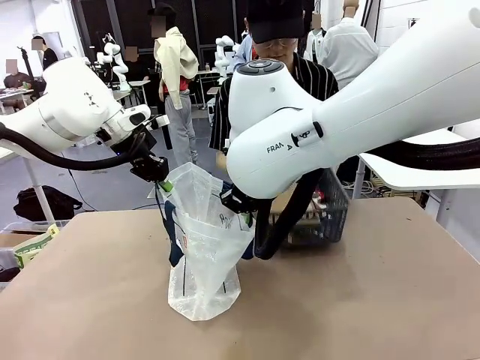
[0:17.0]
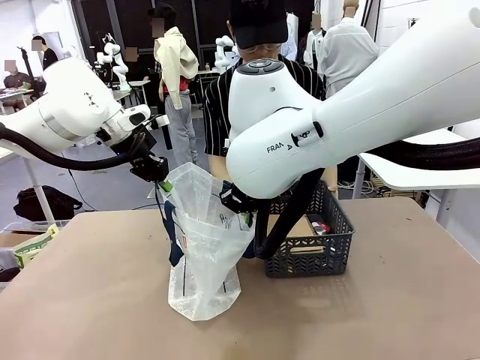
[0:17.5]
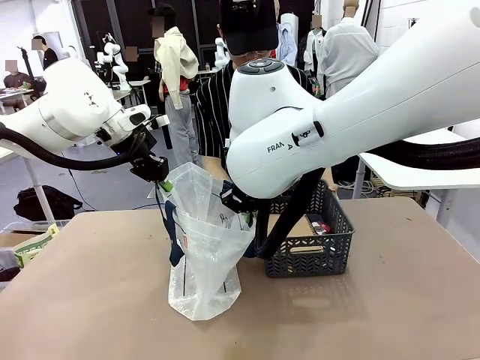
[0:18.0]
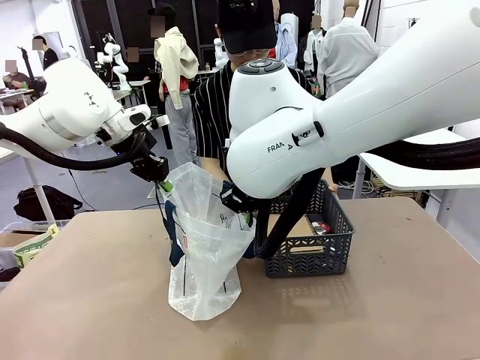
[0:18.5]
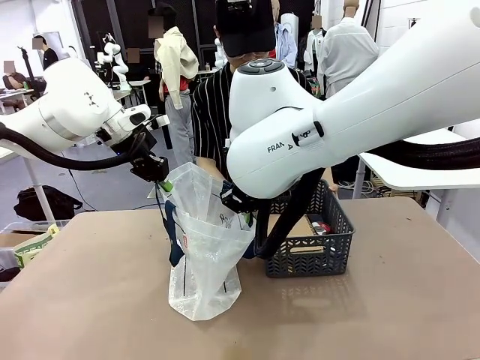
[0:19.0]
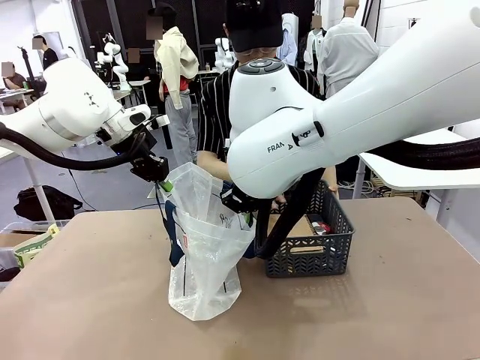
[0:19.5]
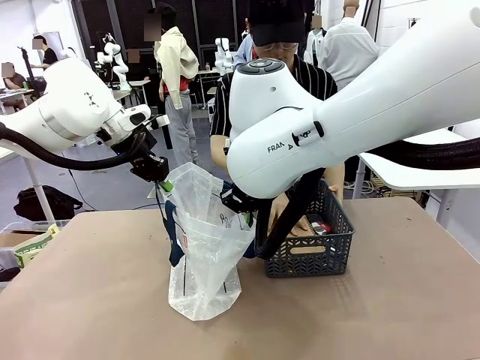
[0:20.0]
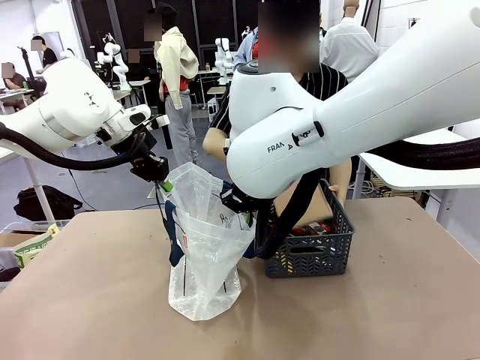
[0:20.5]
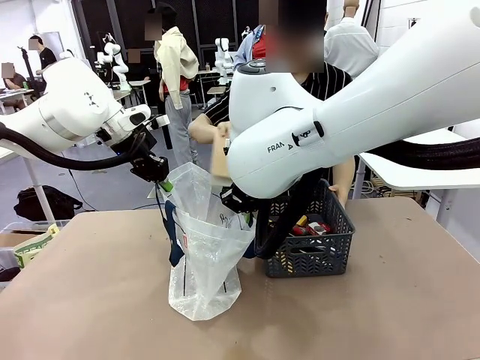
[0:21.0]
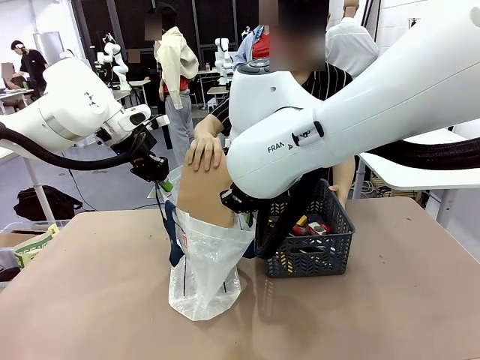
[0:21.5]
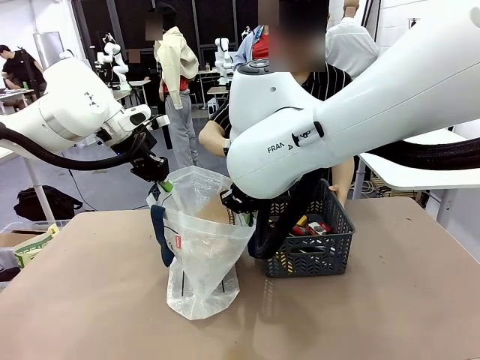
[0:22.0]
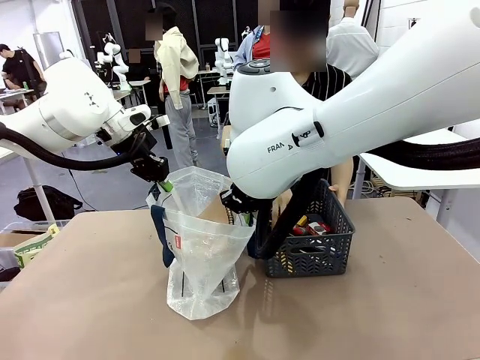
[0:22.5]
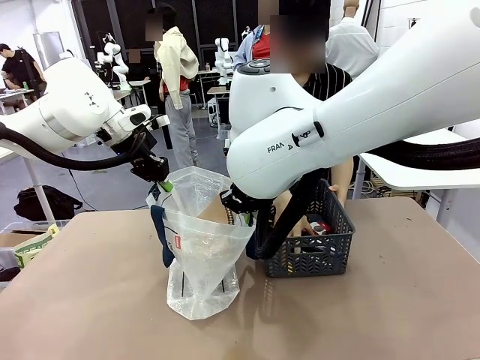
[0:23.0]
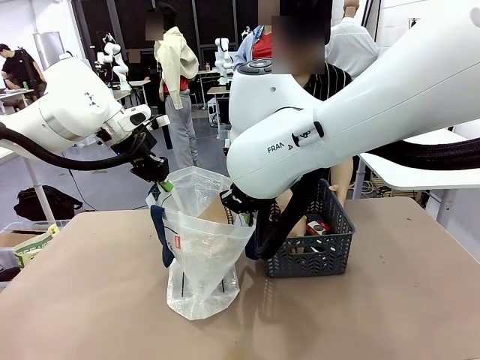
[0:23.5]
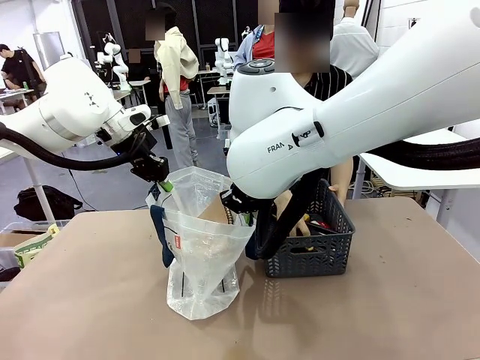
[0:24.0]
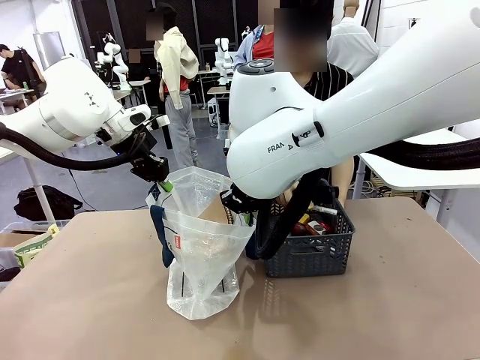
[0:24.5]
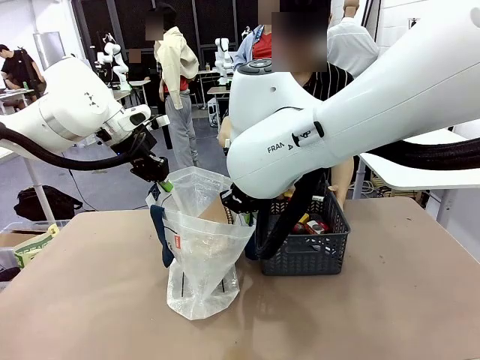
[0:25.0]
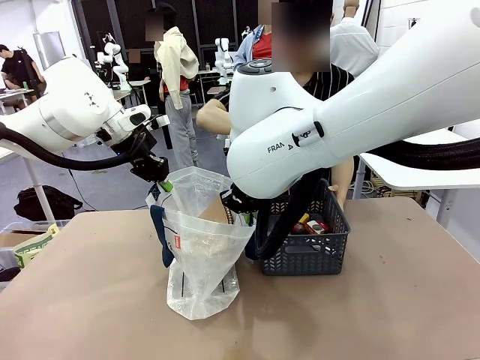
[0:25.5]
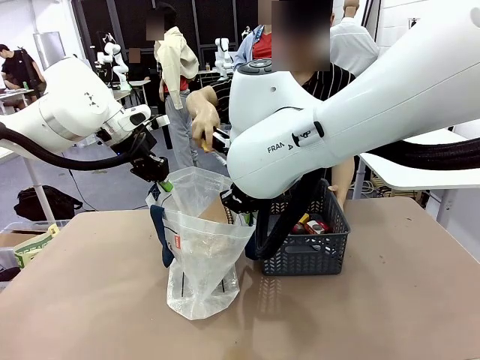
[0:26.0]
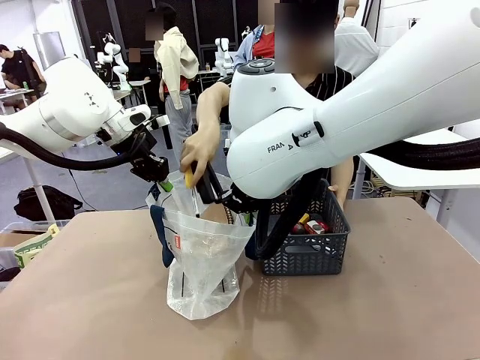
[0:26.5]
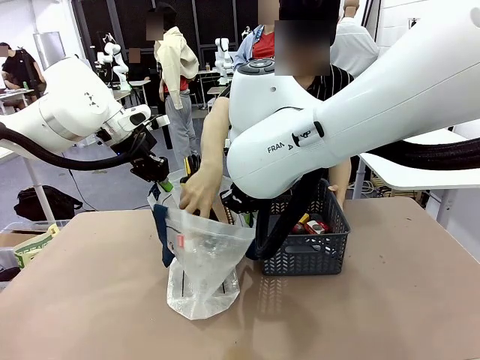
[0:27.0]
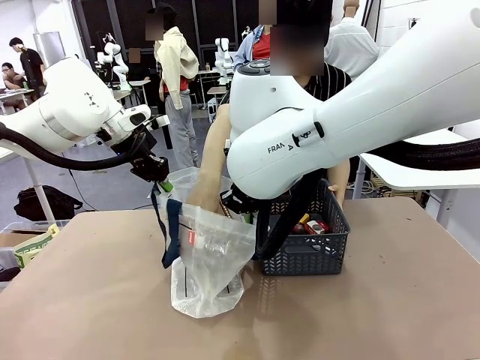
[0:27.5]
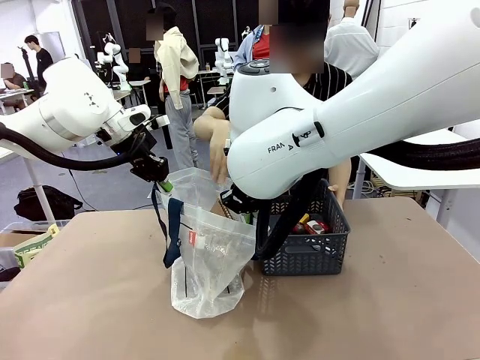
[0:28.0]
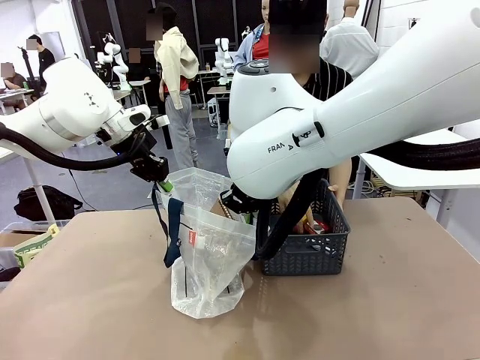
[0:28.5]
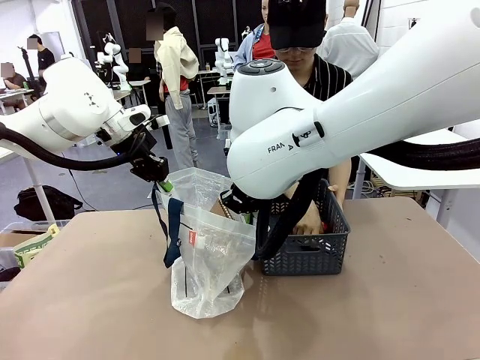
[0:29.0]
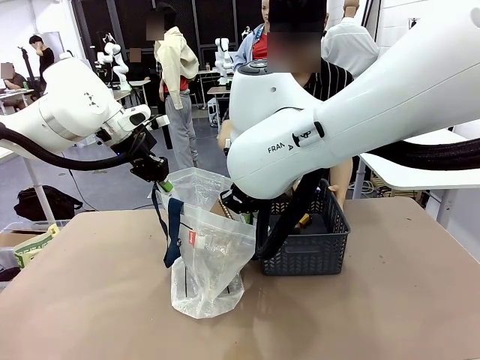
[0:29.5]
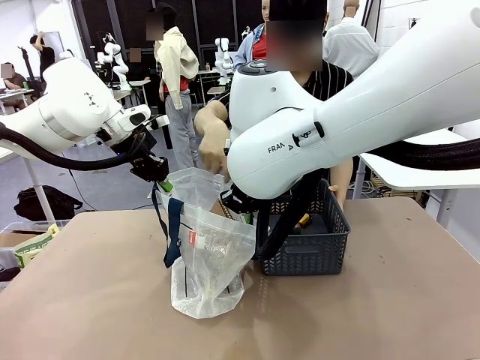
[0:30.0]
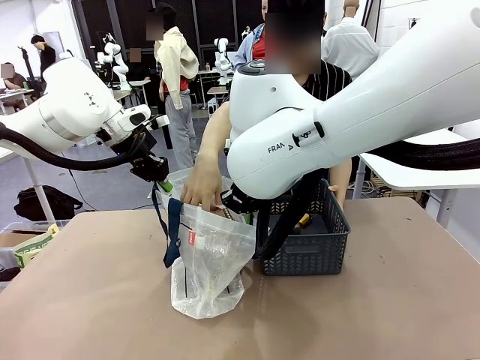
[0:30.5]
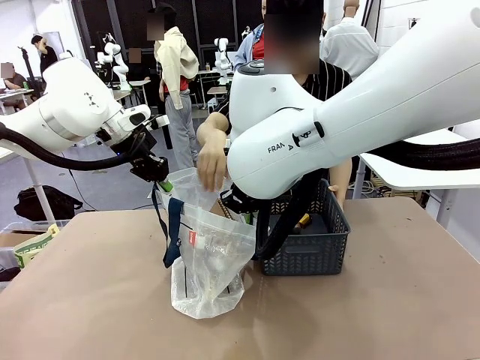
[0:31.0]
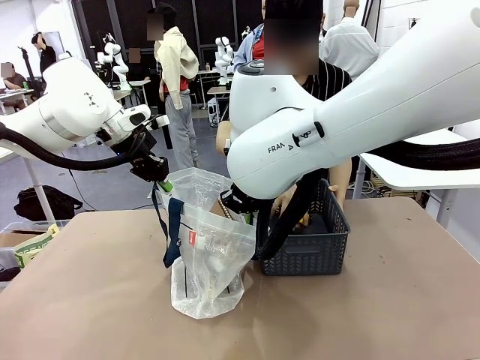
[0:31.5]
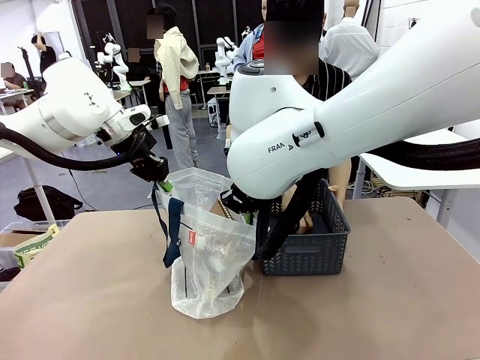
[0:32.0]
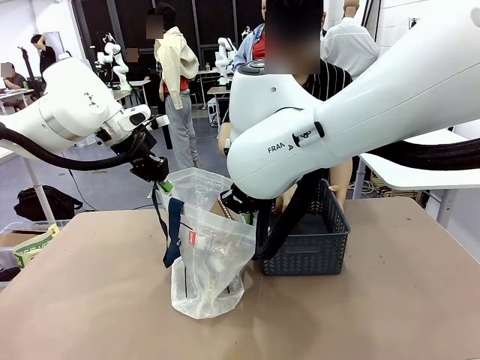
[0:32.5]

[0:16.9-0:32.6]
Task: Transfer purchased items from the store into the shopping bag.
Robot: Move the Reusable shopping bag to the right side of the table.
Person: Pick up the basket with the items out and place it on the right side of the human table.
